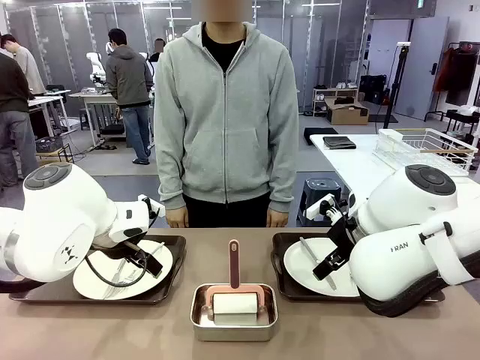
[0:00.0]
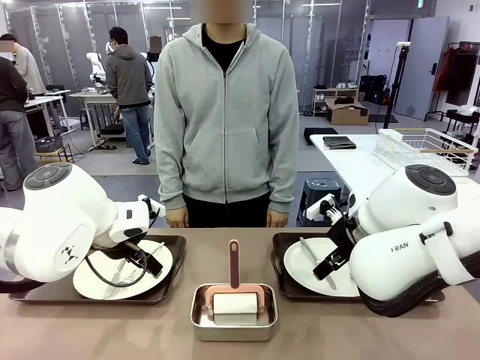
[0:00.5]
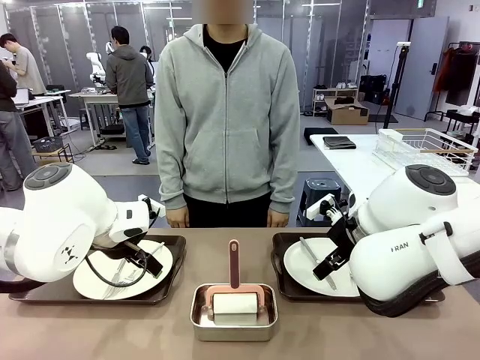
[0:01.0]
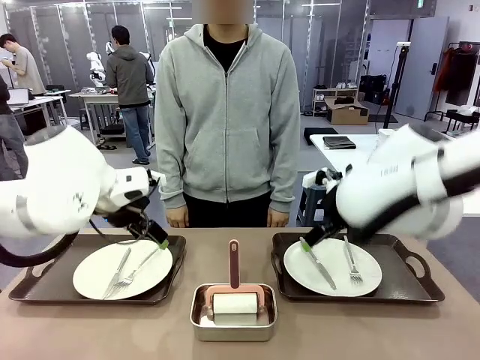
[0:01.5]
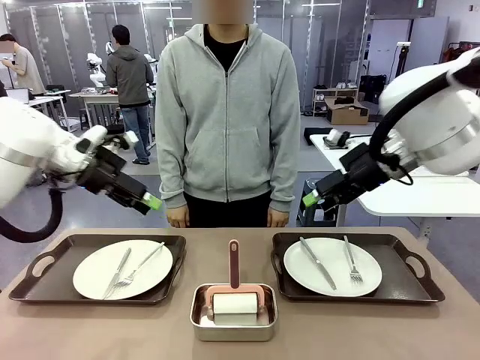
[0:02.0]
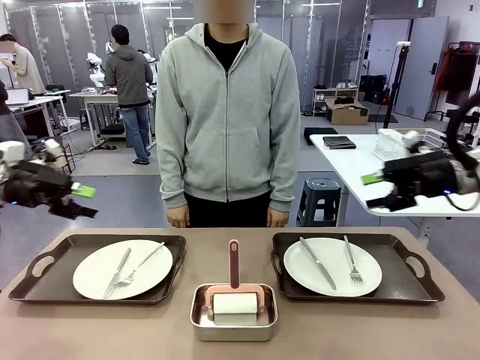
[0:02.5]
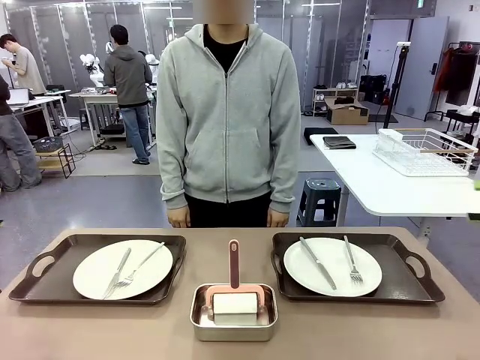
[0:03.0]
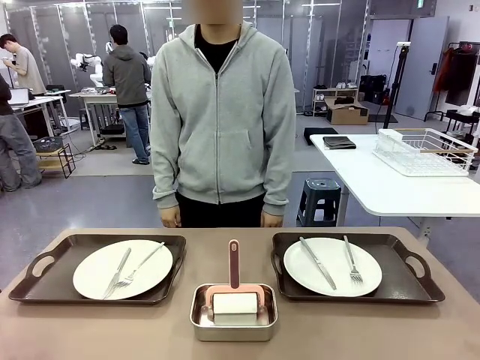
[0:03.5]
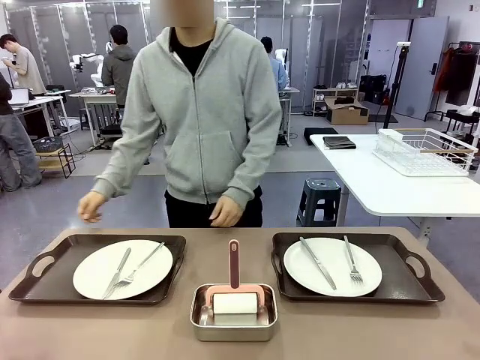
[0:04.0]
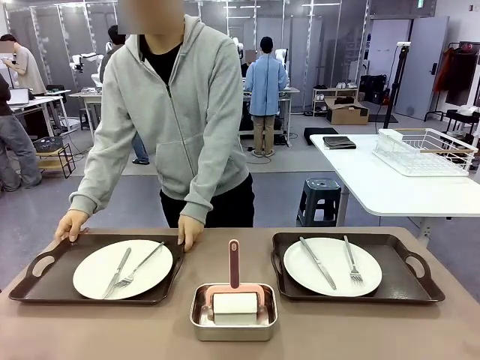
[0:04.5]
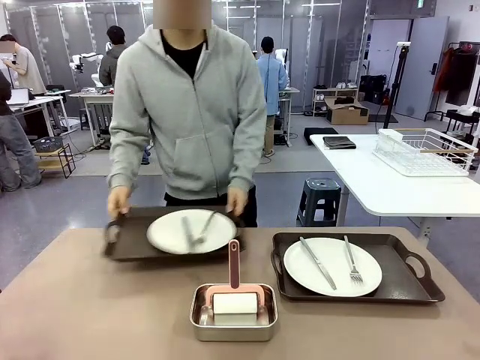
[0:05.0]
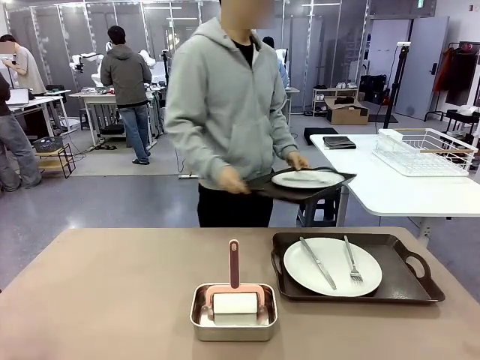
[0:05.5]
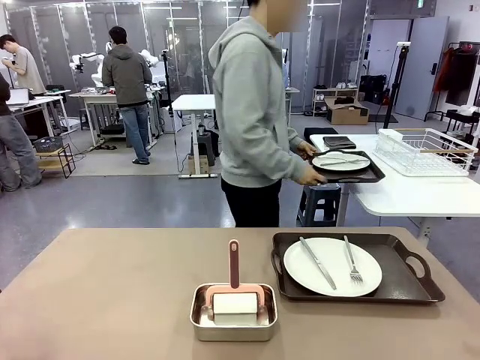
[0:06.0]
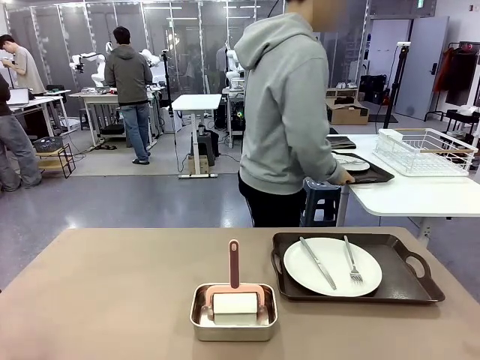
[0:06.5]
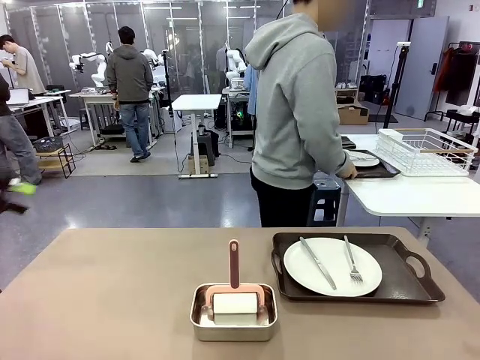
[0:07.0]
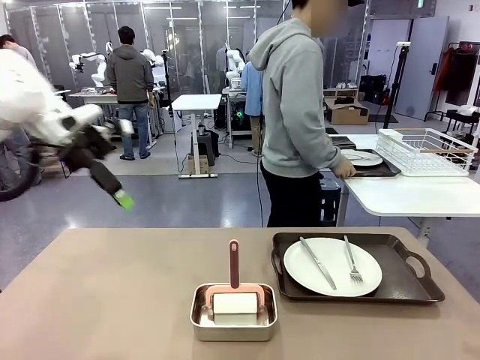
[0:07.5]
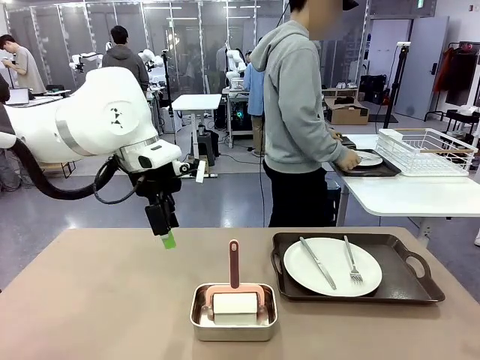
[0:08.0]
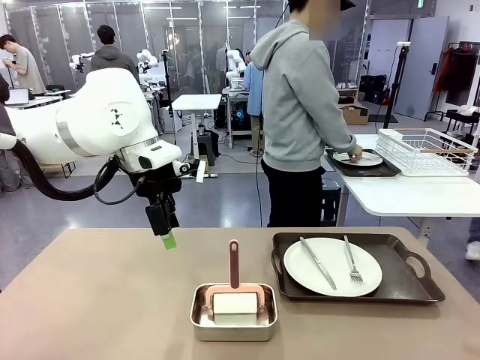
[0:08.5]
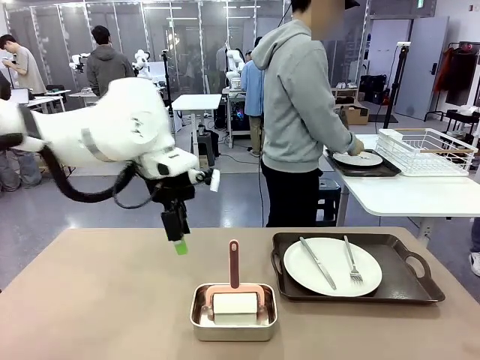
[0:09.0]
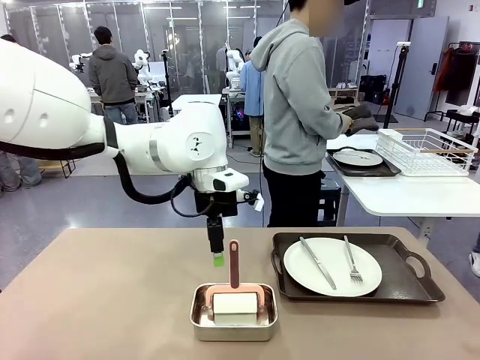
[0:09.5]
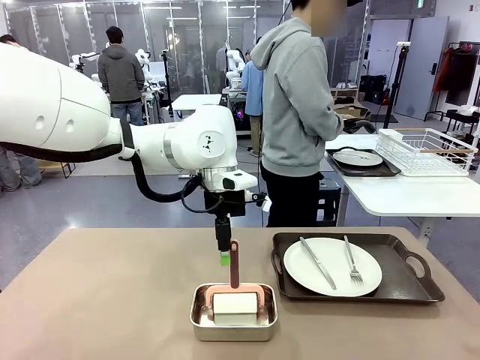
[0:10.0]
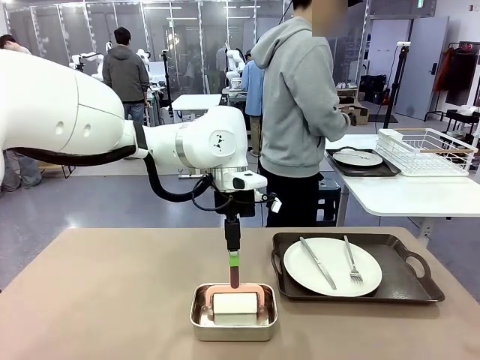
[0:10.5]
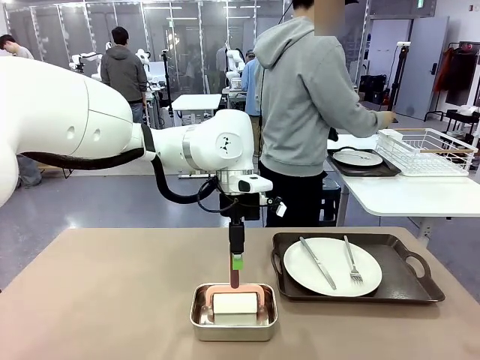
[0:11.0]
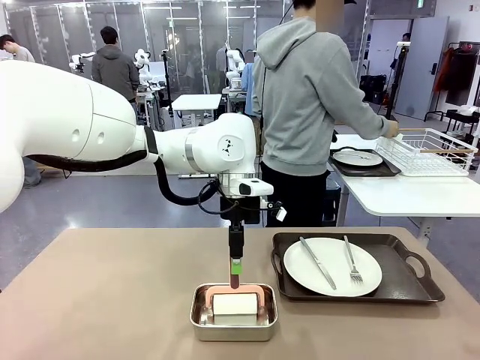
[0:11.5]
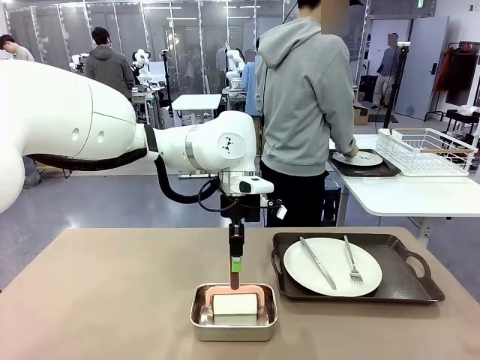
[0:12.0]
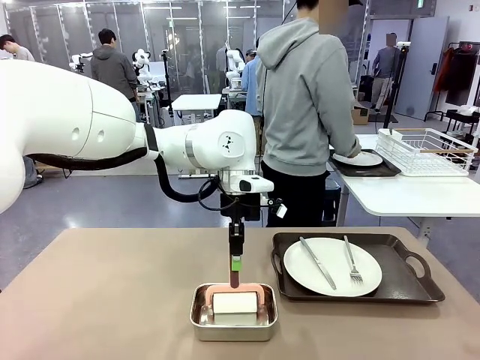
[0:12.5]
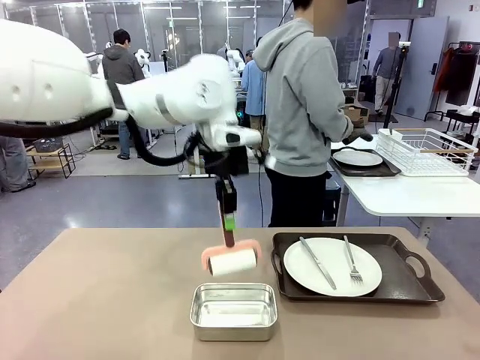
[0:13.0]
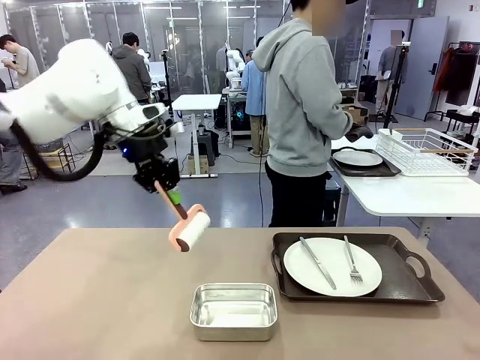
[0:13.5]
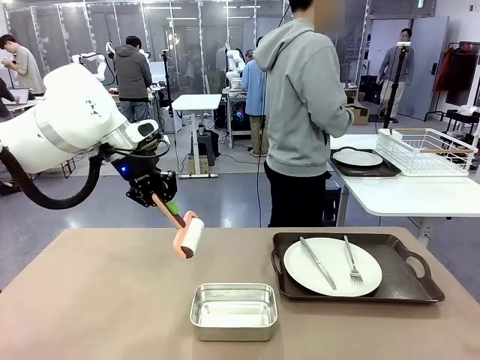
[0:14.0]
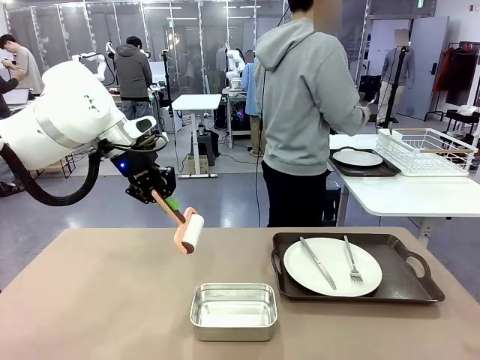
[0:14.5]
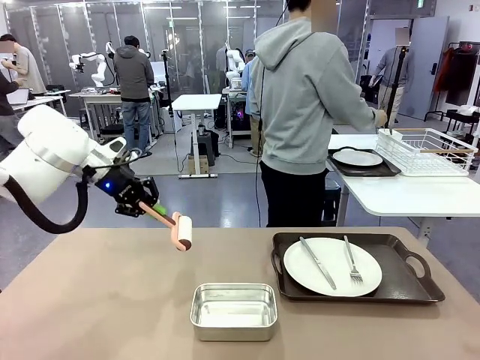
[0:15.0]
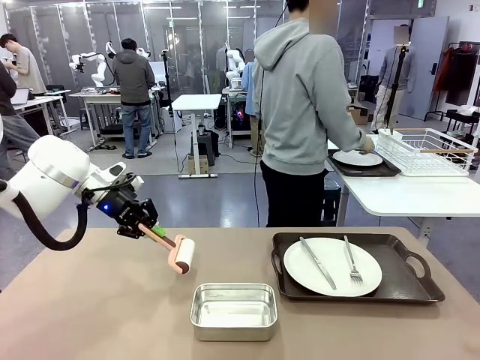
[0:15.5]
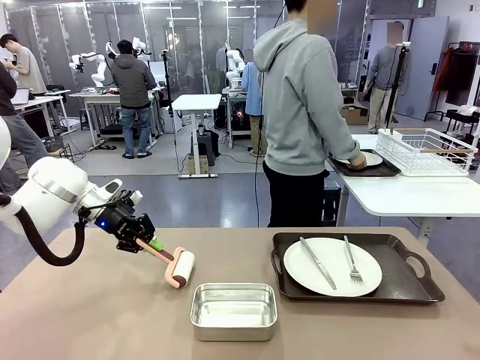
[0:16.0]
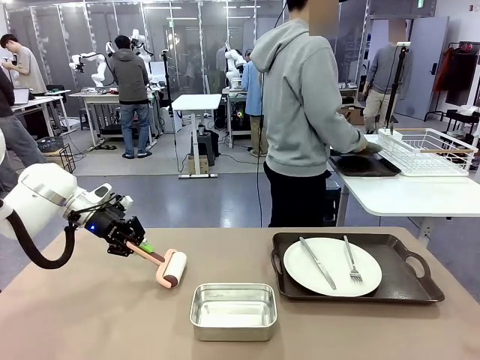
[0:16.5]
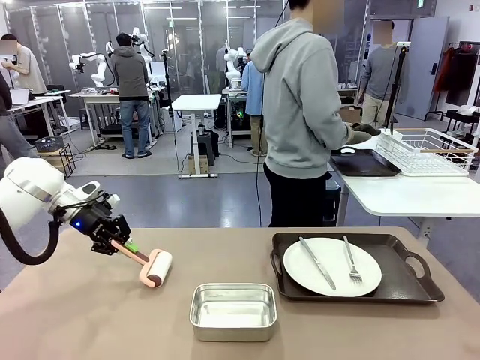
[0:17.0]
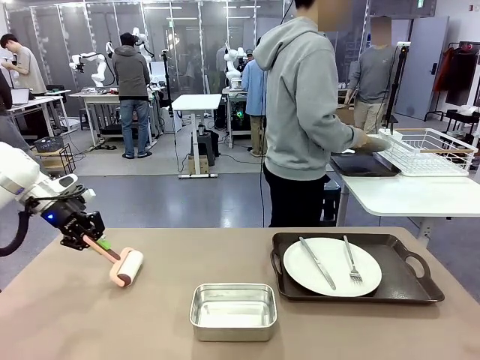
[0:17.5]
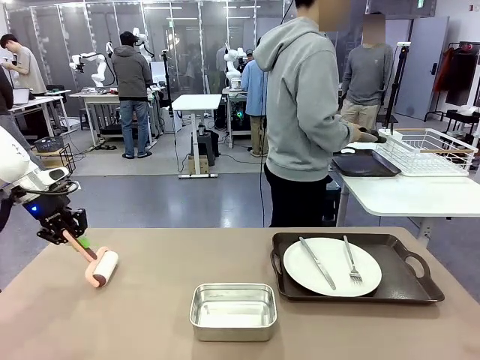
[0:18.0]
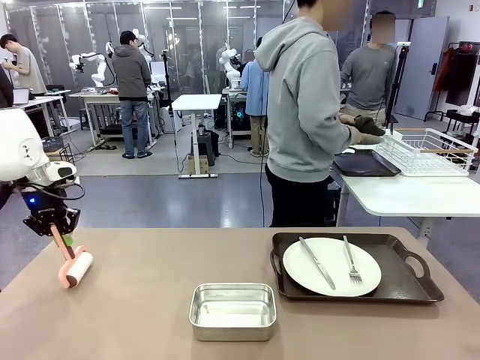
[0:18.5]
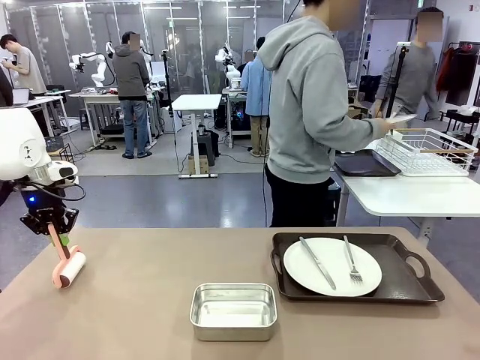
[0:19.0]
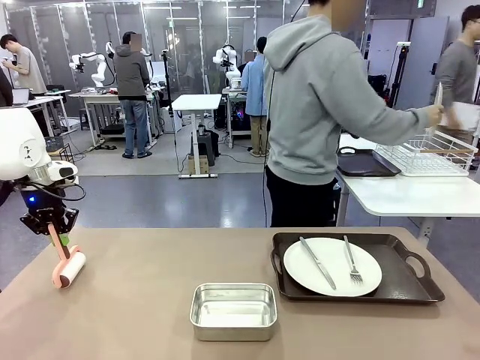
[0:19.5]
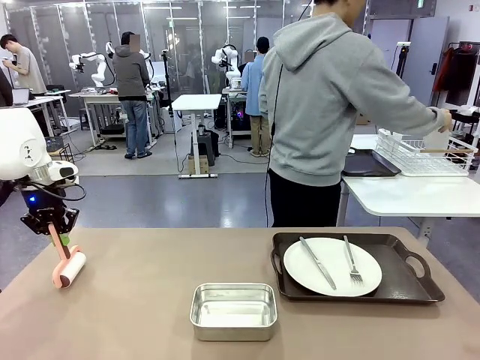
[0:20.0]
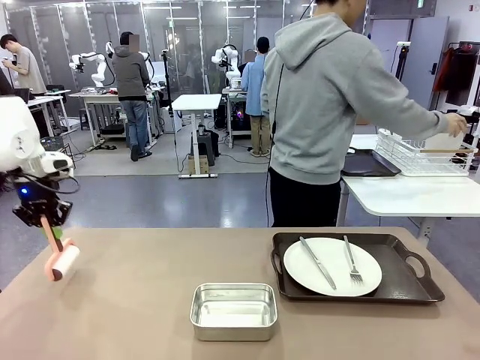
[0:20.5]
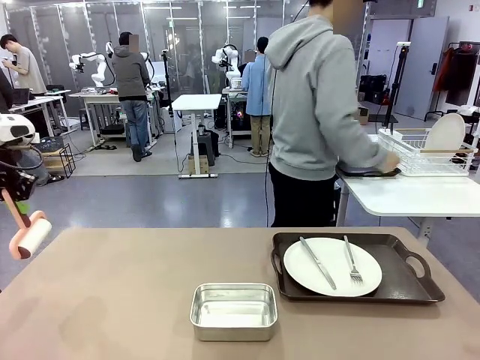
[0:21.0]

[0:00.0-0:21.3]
Robot: When the left (or right) Handle tray is removed, use the left hand (or right hand) to clean the left (or right) side of the table with the Lint Roller.
Person: Pick up the left (or right) Handle tray and place it on the middle of the Human's table. Use the Towel with hook to wipe the Plastic Matte Plate , Fork , and Knife and place into the Dish drying rack.

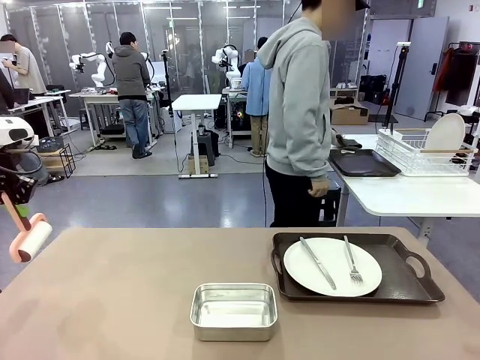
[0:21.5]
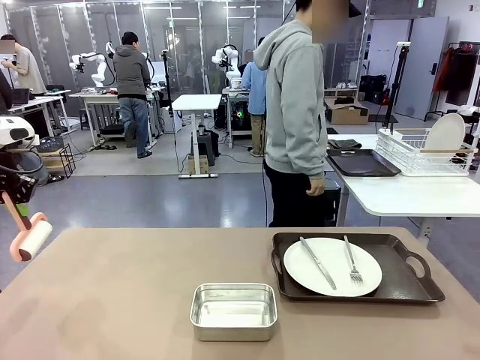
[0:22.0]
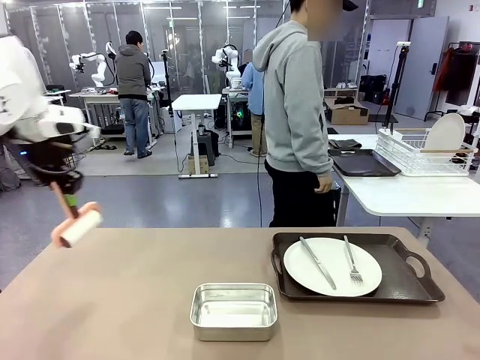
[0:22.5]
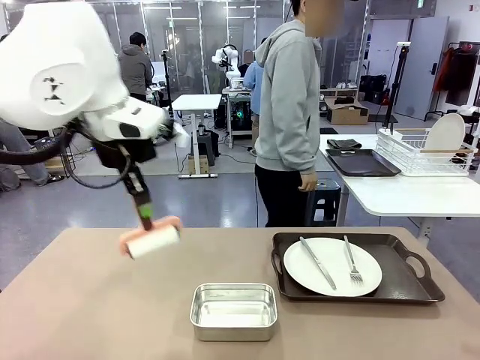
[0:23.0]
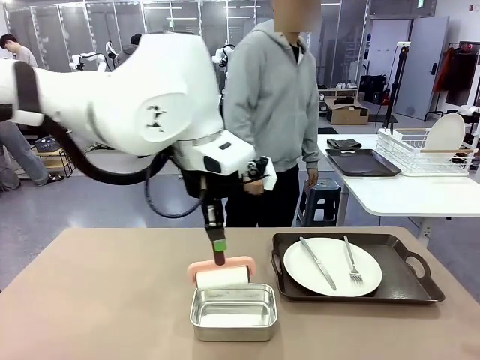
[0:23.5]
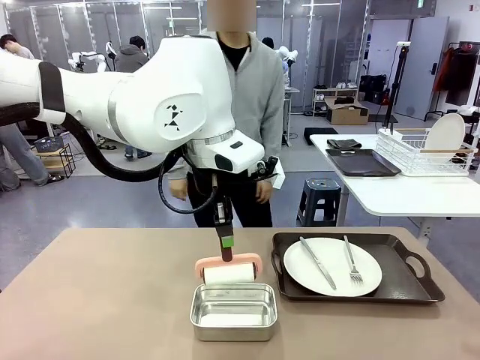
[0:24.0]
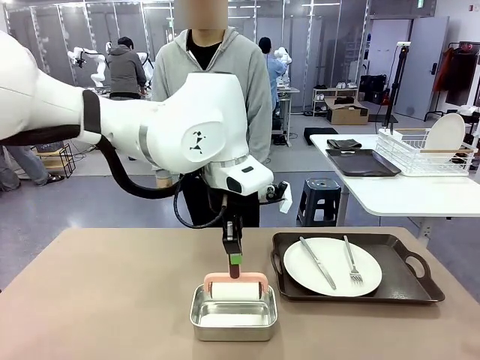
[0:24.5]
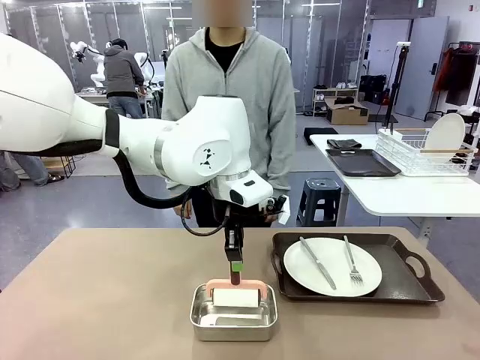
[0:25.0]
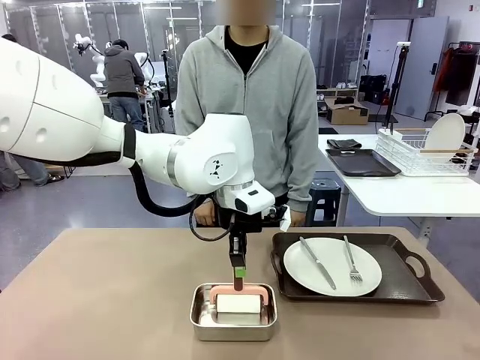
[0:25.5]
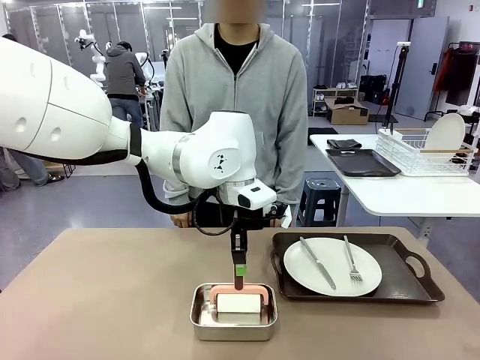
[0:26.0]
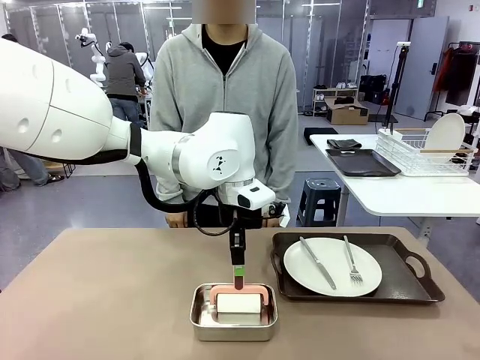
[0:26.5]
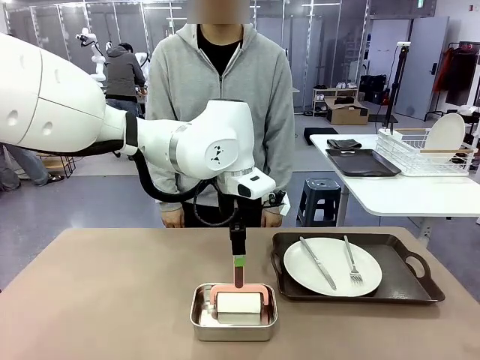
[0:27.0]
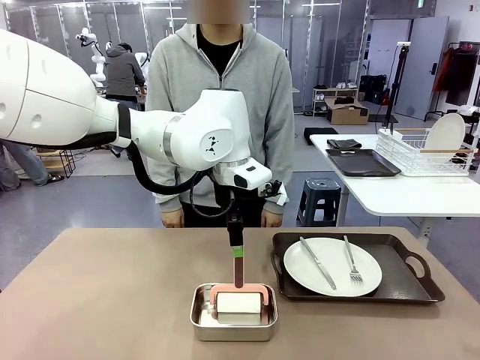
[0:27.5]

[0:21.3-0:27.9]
Robot: Place the Lint Roller back on top of the Airtight Container.
